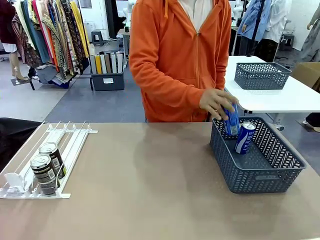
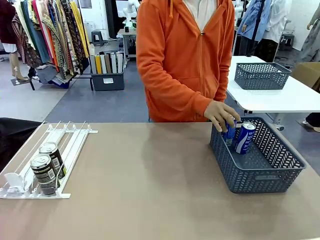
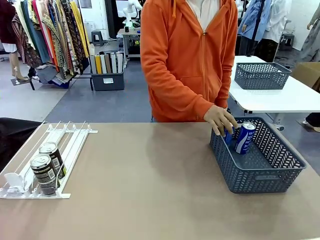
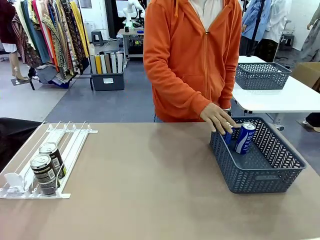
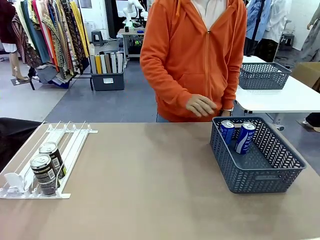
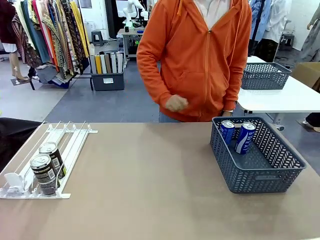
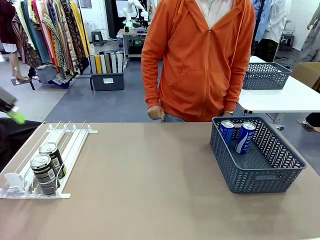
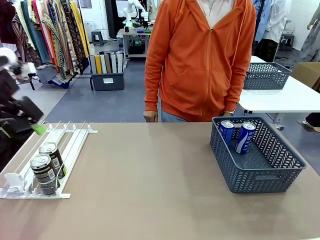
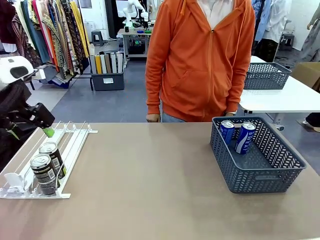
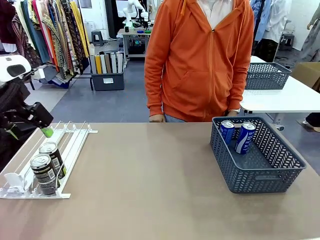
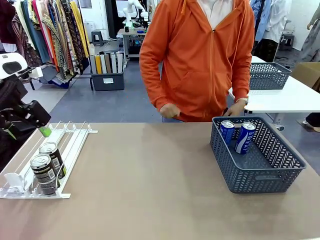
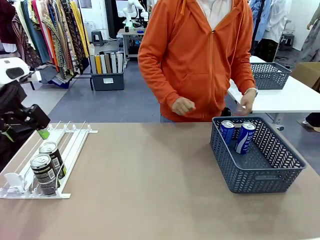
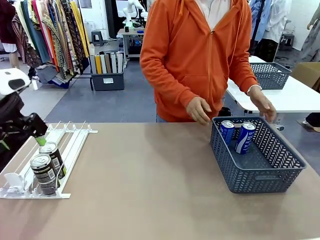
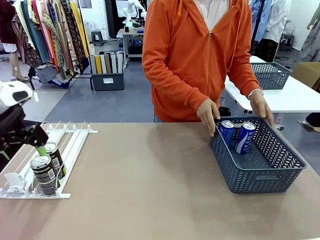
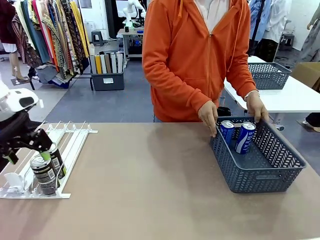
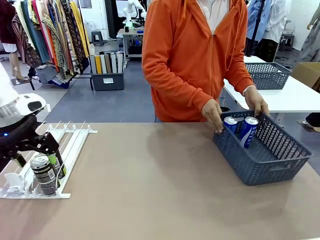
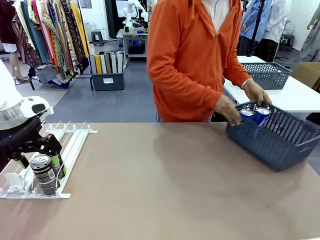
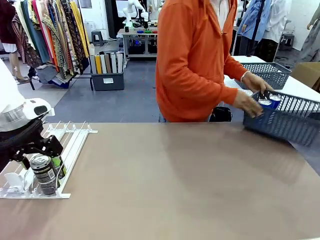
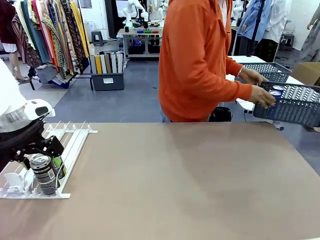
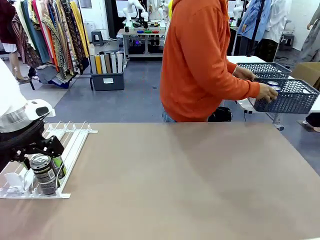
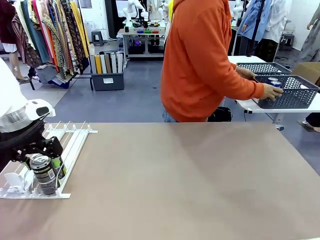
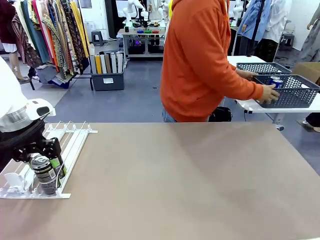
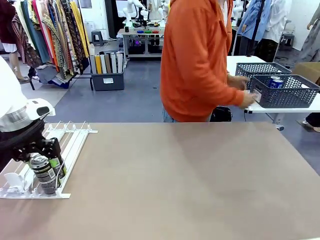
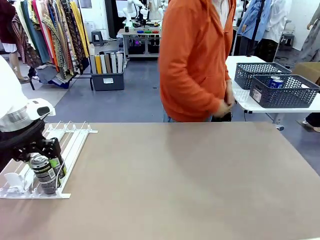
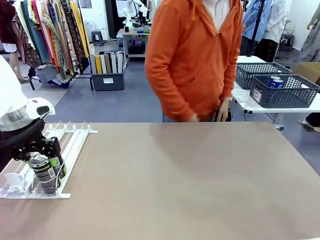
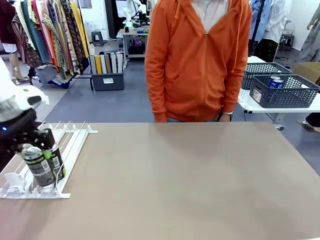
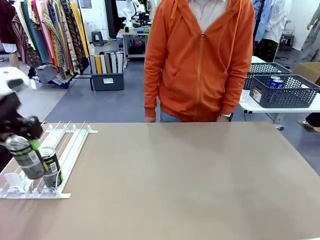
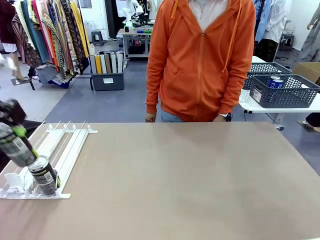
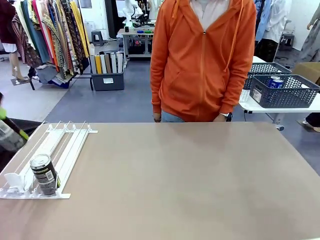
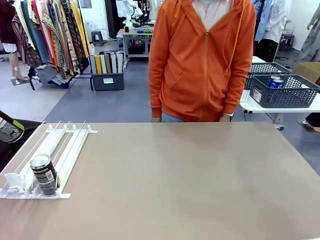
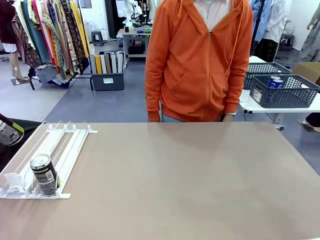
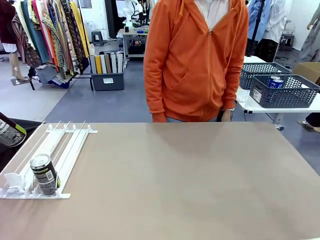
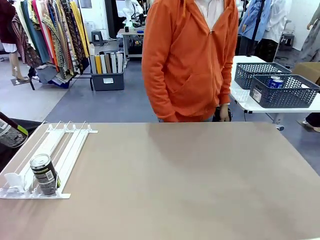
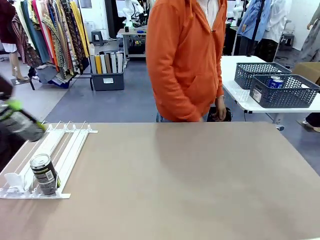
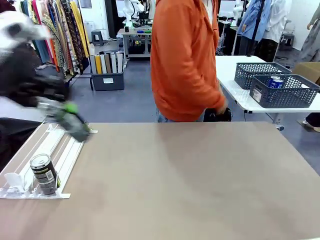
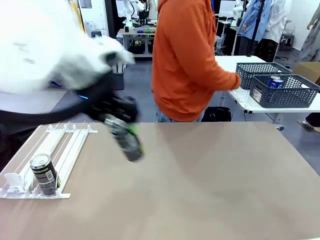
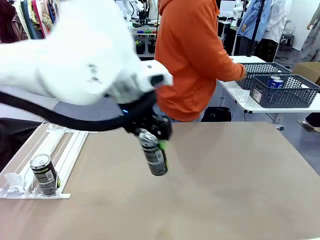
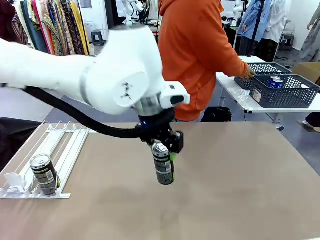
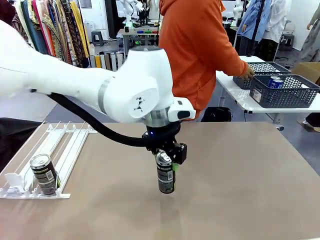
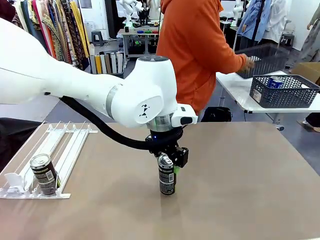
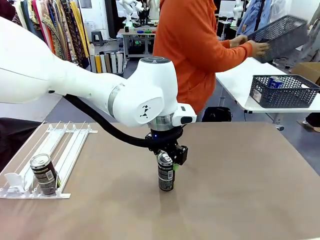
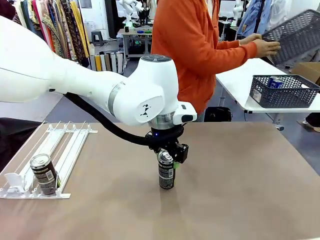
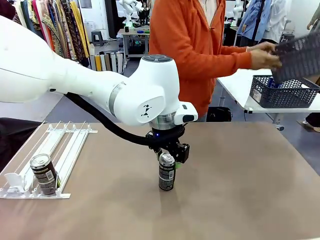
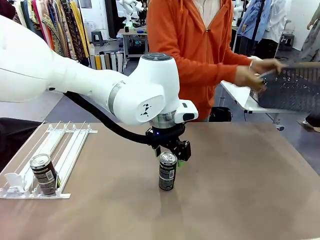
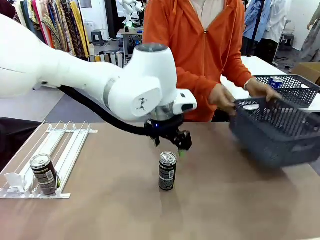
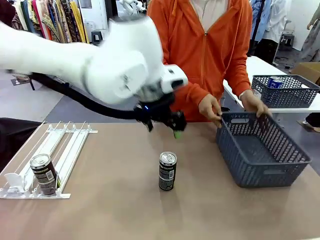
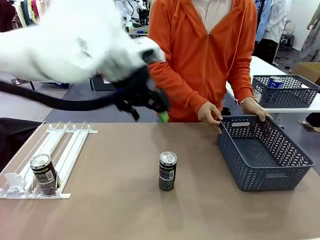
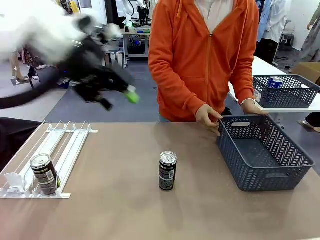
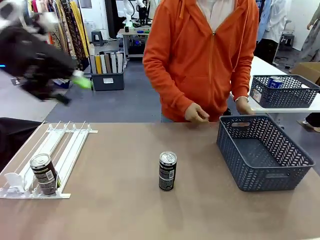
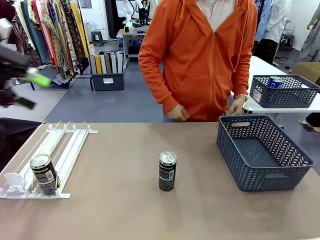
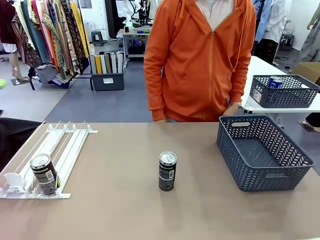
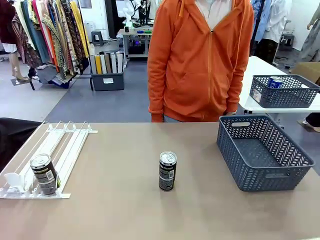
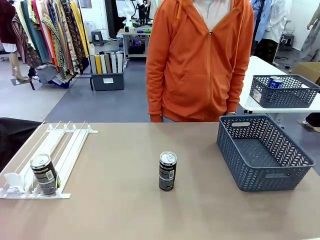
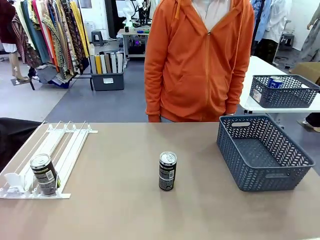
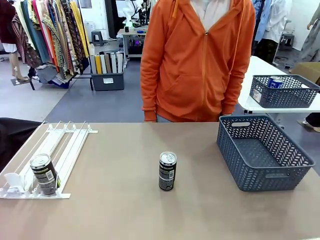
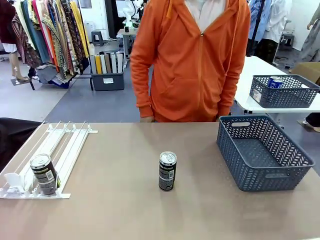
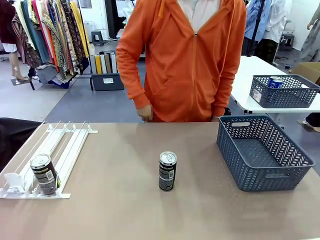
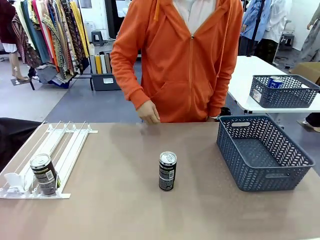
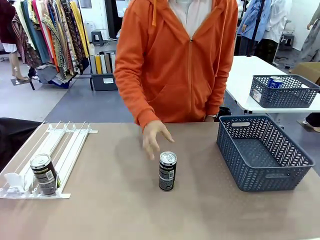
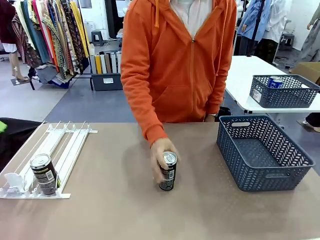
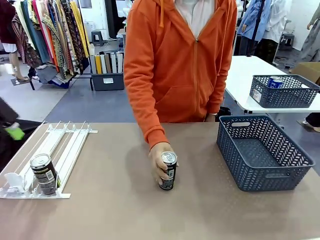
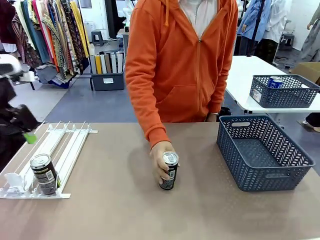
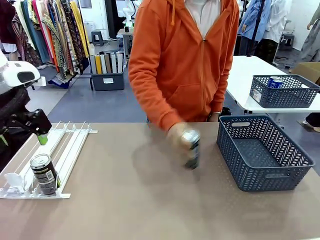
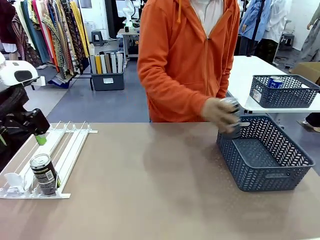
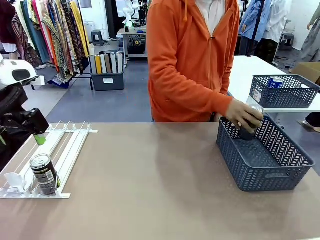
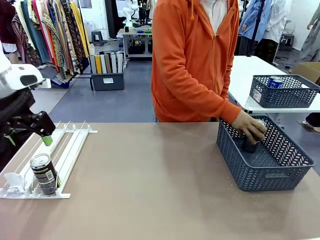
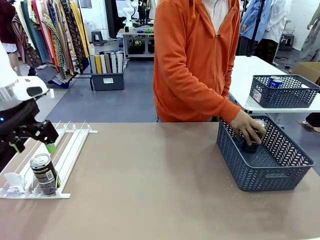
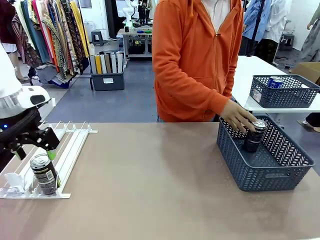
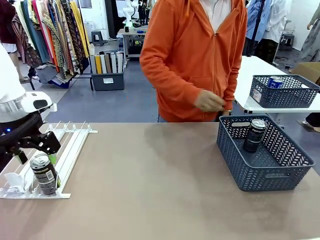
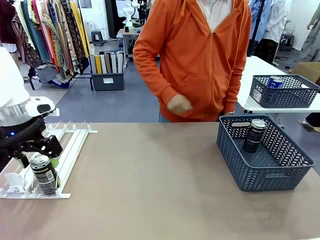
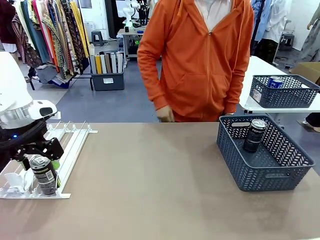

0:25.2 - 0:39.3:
Task: Retrieve and store the cans from the dispenser.
Robot: Pick up one can from the Automatic Can Dispenser and place it in the middle of the table.
Person: Pick up the basket and place it in the middle of the human table. Pick up the empty basket and place it on the left side of the robot table.

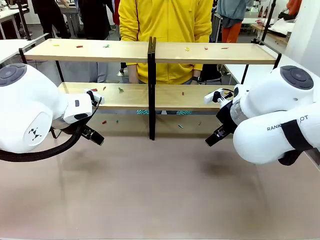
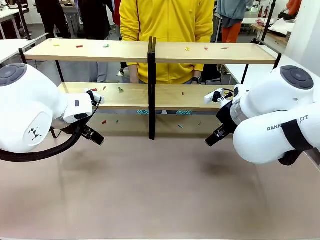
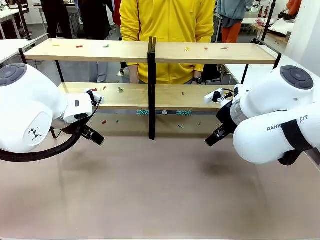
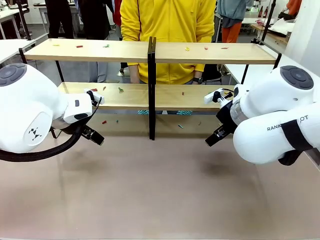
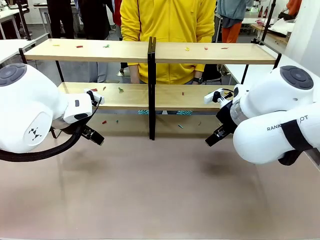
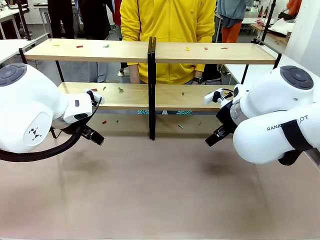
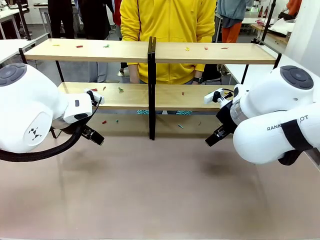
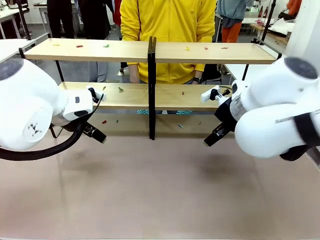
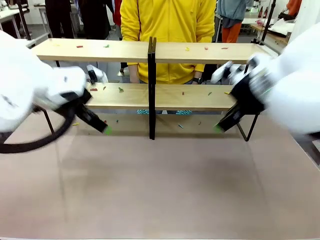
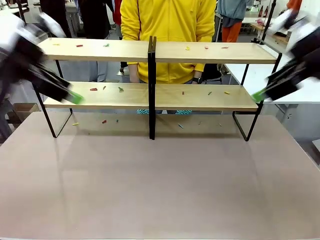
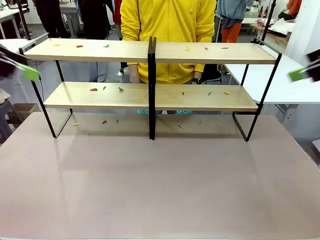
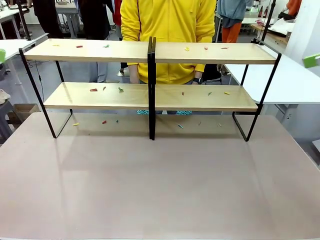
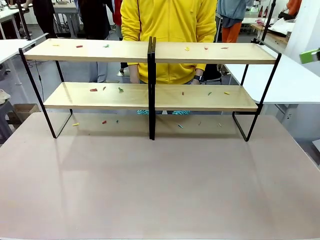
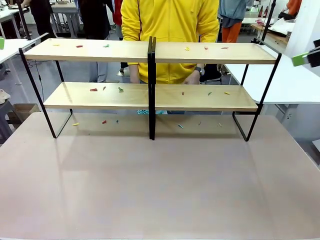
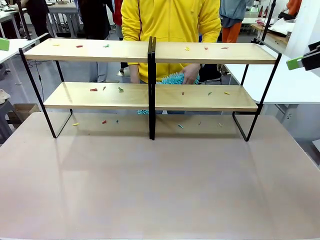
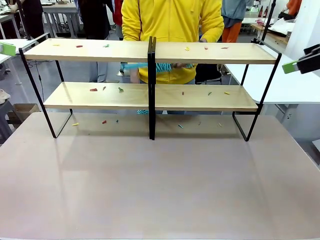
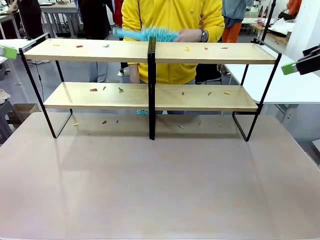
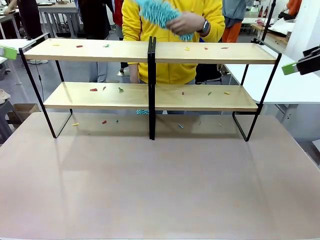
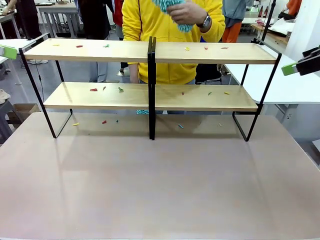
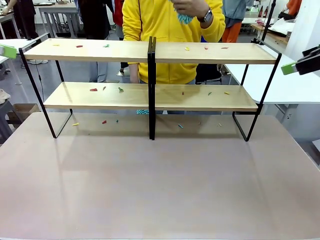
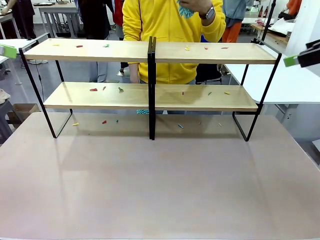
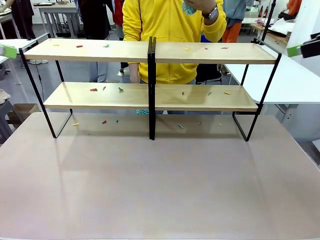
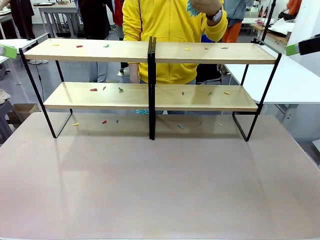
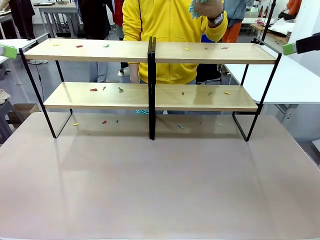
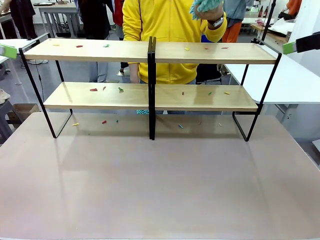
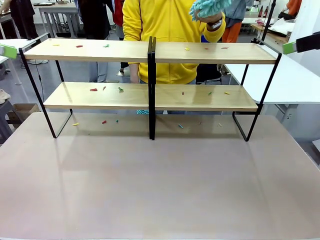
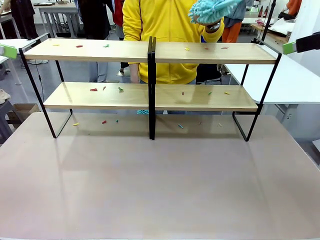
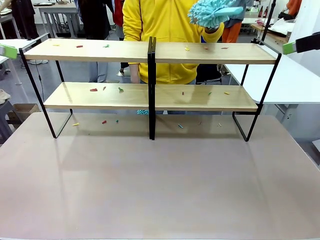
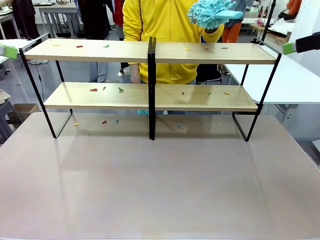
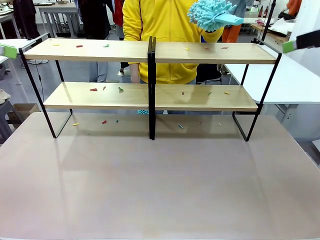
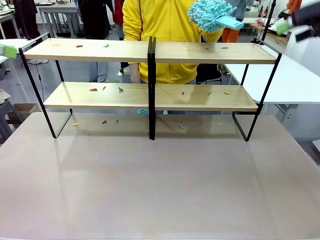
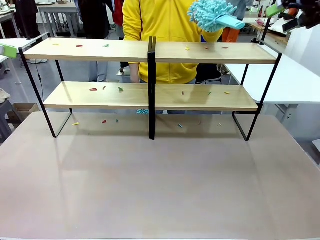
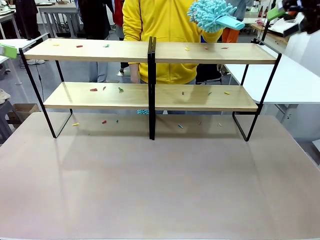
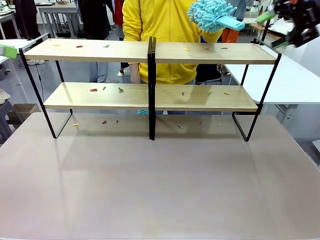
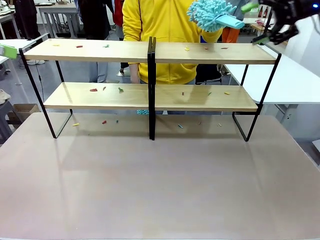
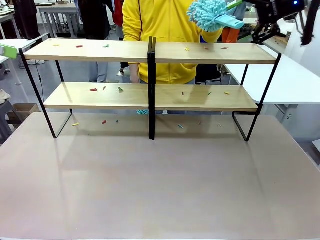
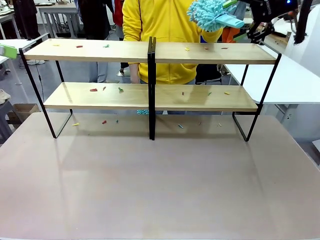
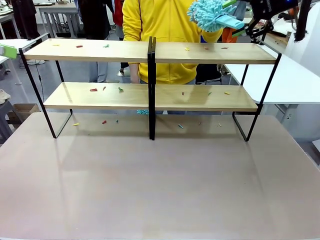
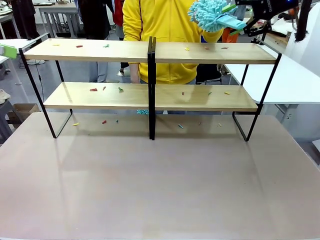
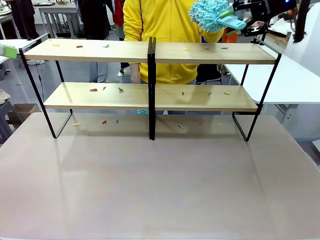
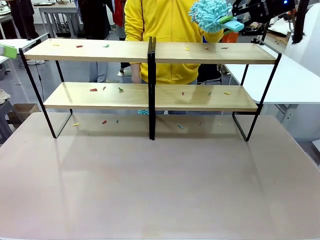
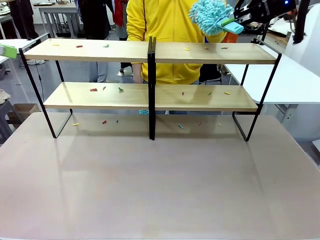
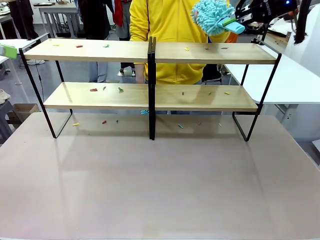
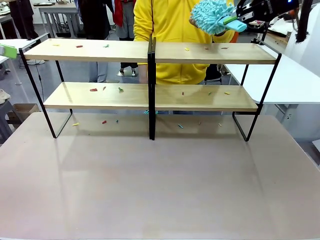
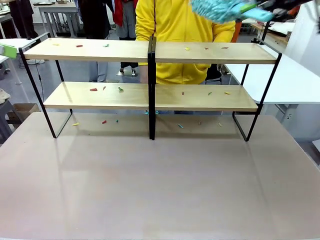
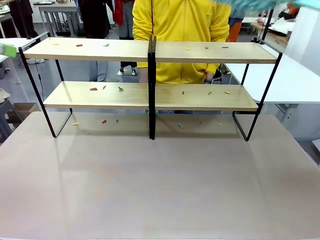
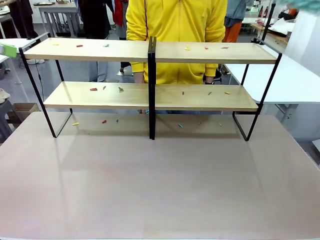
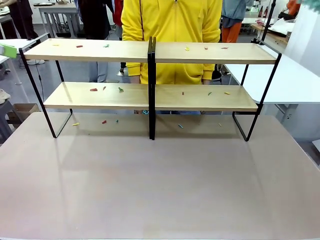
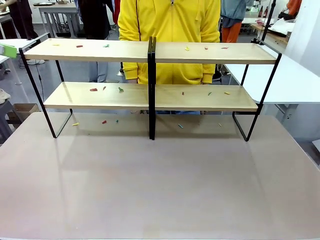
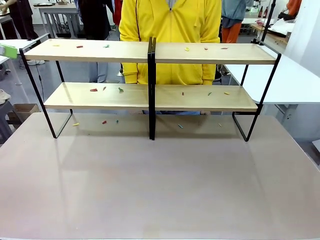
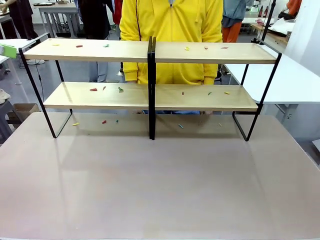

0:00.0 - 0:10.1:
Task: Clean the shelves.
Robot: Pick up the Duster when the human hands it over.
Person: Hand the Duster to the robot with your right (or left) hand.
